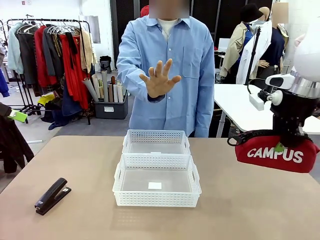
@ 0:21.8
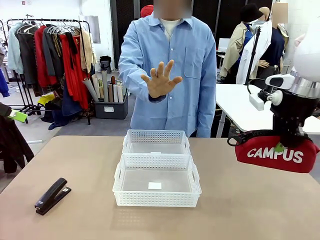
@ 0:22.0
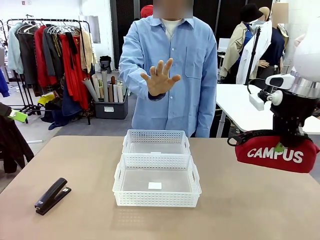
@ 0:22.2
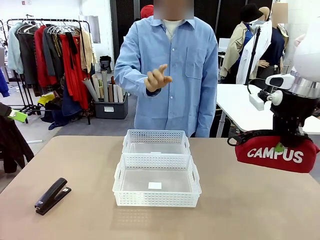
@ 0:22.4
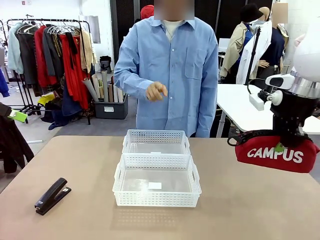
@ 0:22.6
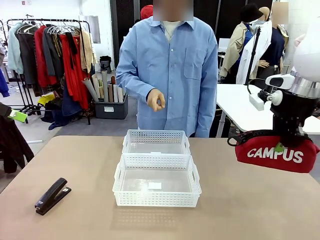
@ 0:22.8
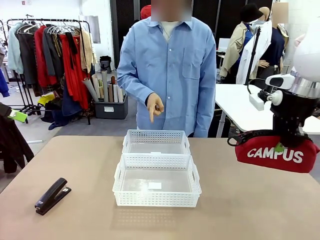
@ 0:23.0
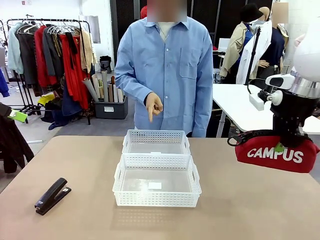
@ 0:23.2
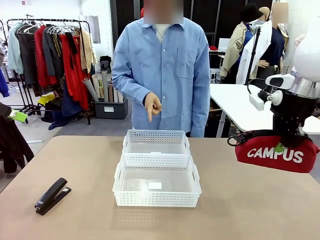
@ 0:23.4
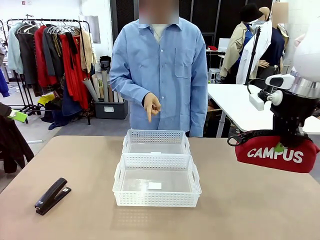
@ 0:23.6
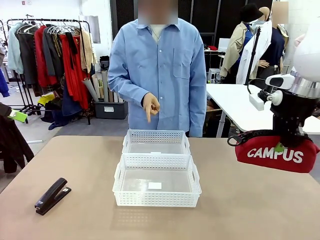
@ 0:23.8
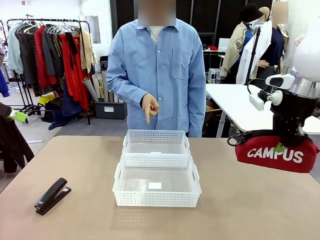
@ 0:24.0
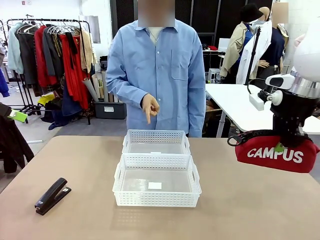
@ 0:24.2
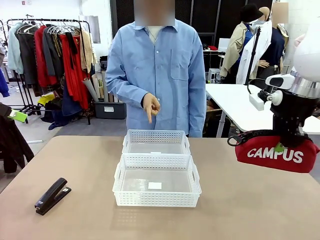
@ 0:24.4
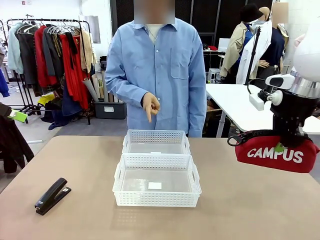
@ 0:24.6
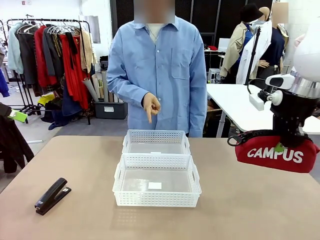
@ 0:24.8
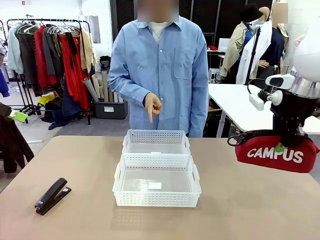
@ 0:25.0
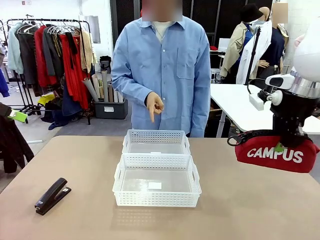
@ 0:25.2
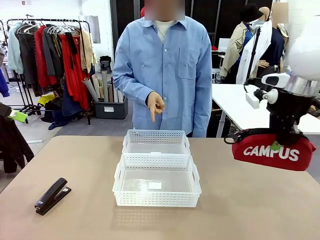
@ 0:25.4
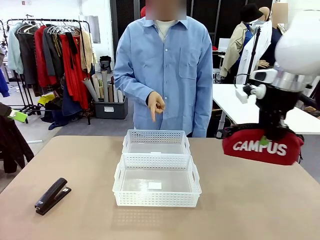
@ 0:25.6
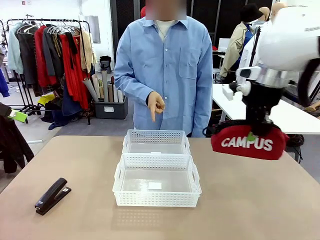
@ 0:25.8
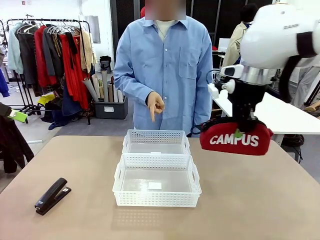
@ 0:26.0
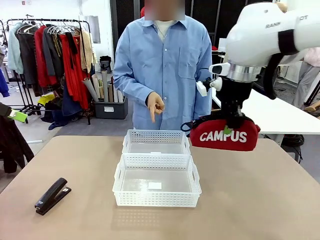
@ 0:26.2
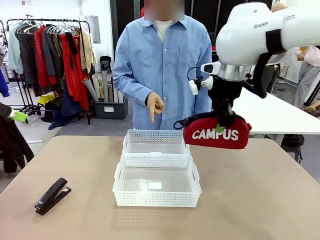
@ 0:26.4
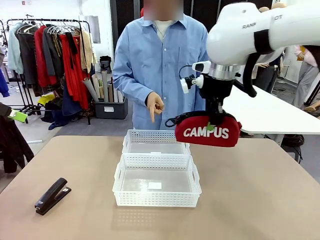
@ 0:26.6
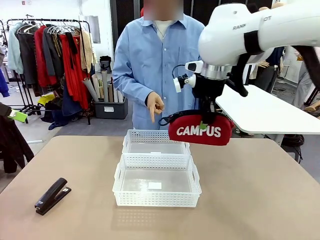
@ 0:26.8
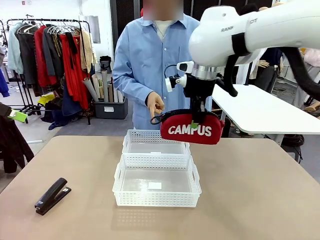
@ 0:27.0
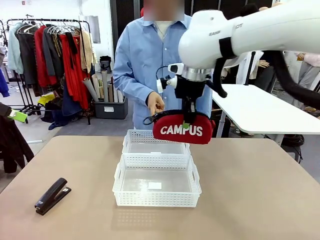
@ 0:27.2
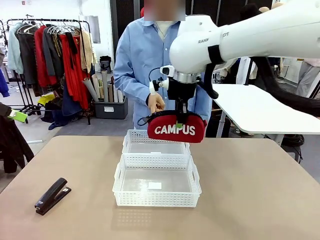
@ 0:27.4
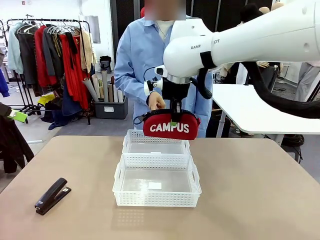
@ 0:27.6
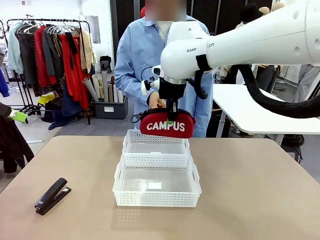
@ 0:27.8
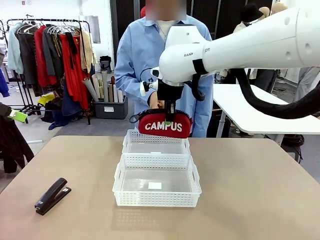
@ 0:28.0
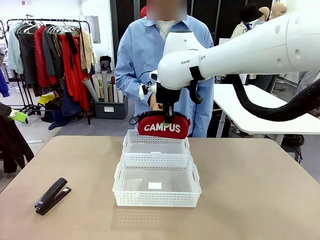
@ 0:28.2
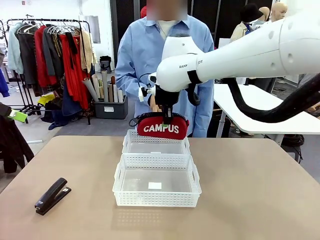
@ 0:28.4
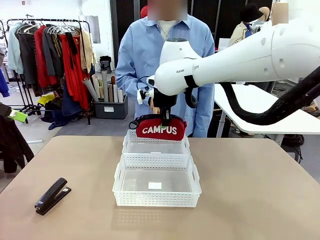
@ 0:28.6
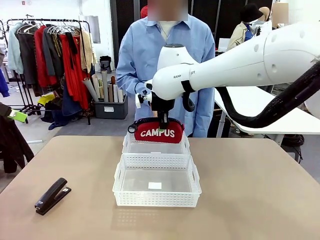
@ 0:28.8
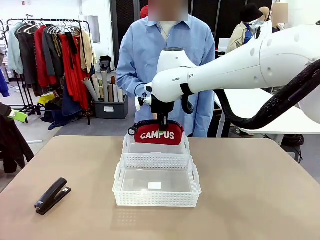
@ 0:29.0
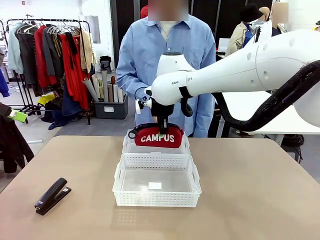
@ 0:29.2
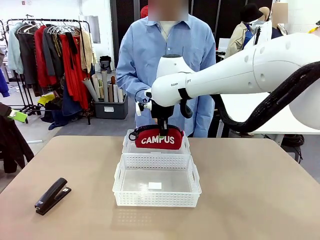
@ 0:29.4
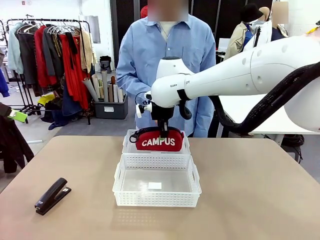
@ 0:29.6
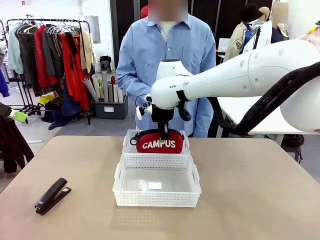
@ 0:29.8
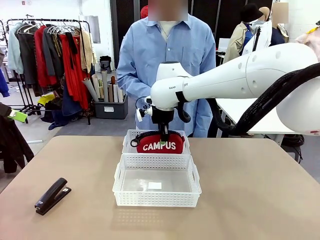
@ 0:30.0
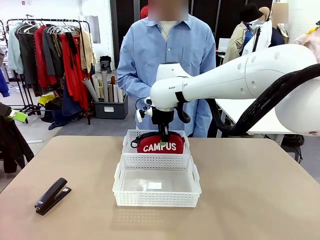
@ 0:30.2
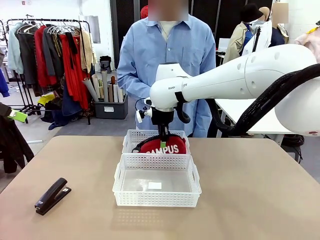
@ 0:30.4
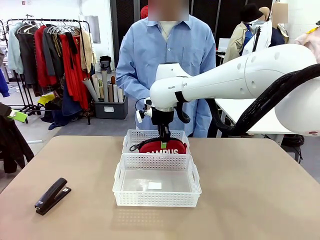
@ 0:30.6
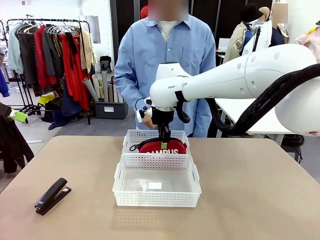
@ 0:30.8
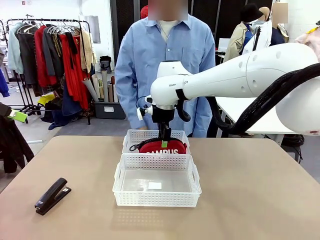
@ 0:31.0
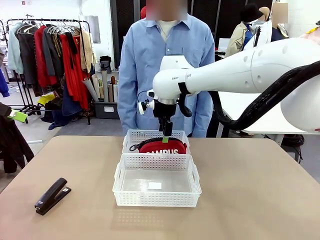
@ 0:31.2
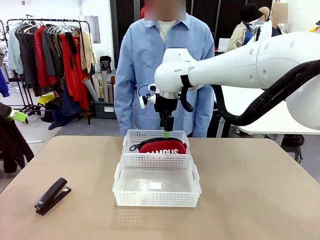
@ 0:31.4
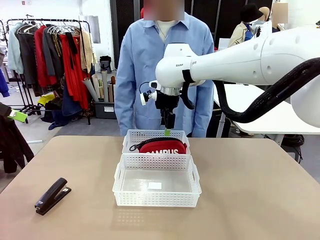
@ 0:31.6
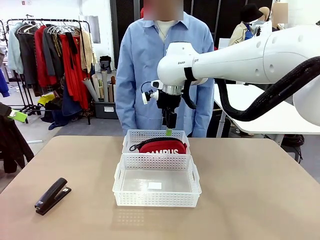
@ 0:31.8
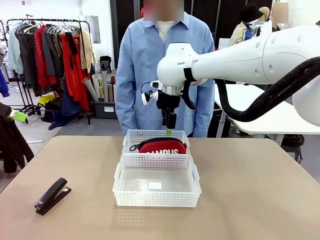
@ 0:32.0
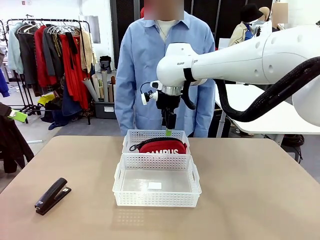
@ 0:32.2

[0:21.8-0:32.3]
Task: Distribute items into two baskets.
Robot: Place the picked Pencil pouch into the Organizing basket as instructed by the person.
Person: Instructs the robot to place the pencil case into the opposite basket. Points to the stapler.

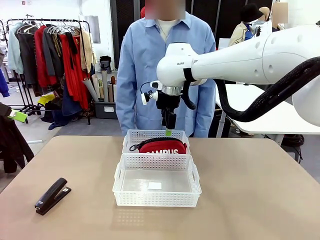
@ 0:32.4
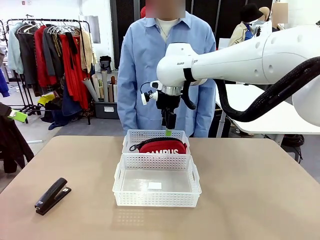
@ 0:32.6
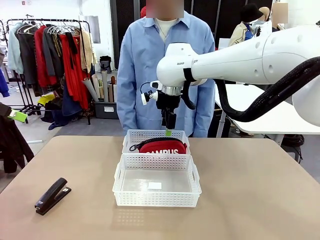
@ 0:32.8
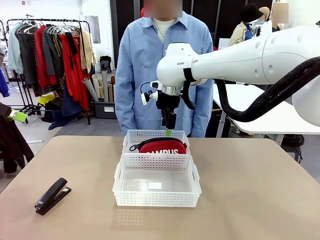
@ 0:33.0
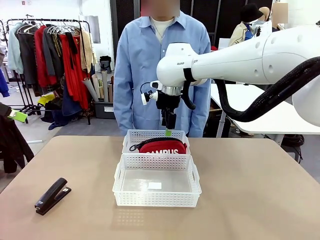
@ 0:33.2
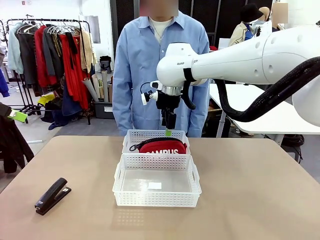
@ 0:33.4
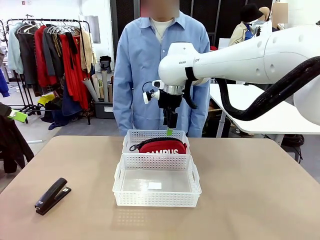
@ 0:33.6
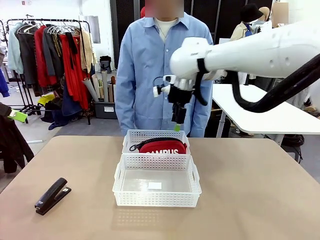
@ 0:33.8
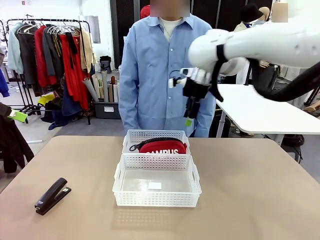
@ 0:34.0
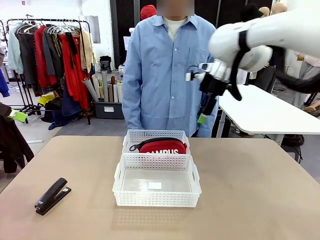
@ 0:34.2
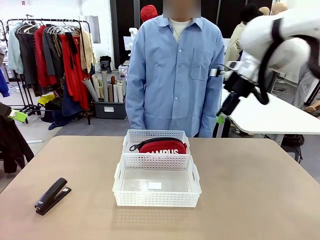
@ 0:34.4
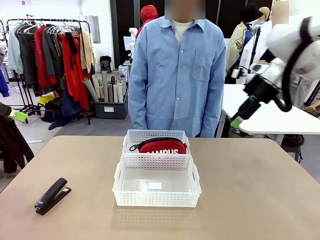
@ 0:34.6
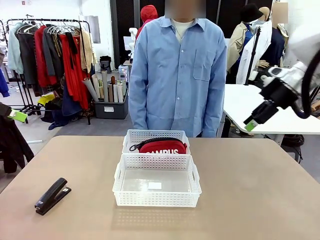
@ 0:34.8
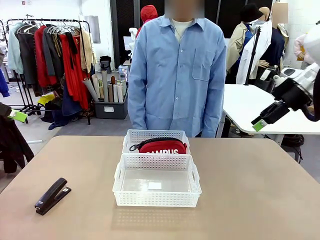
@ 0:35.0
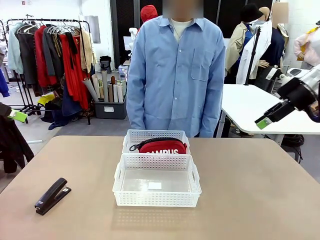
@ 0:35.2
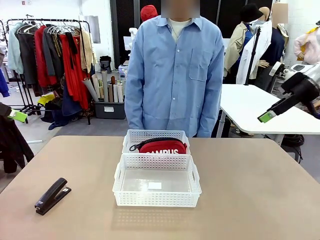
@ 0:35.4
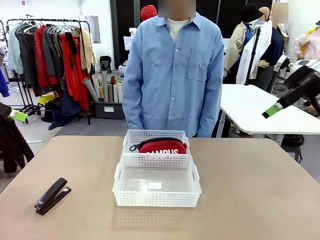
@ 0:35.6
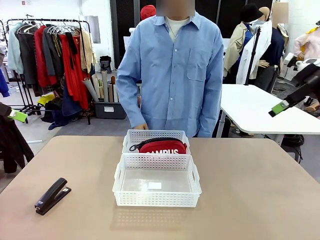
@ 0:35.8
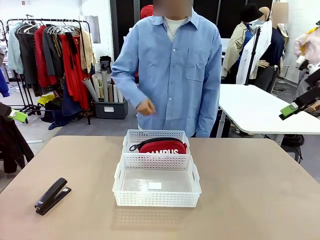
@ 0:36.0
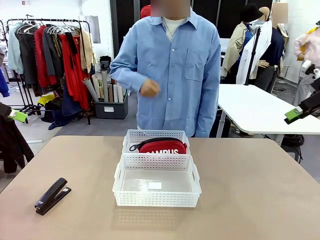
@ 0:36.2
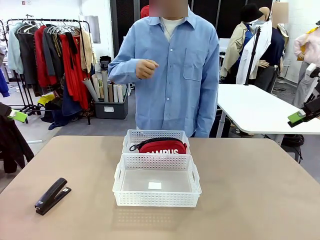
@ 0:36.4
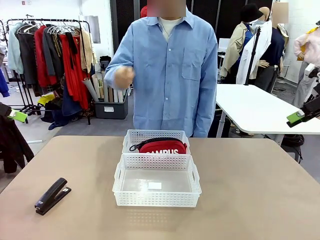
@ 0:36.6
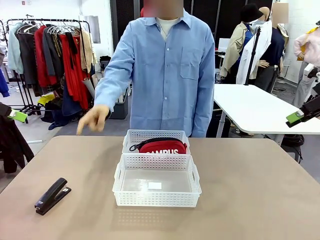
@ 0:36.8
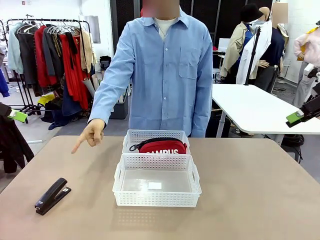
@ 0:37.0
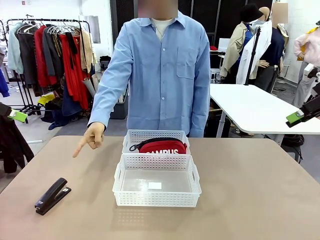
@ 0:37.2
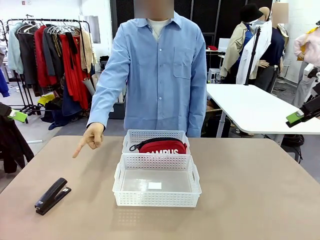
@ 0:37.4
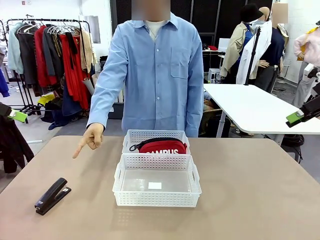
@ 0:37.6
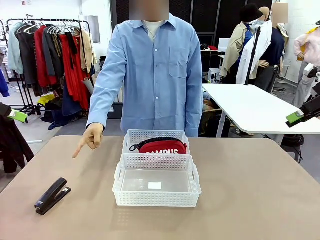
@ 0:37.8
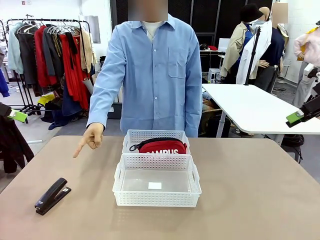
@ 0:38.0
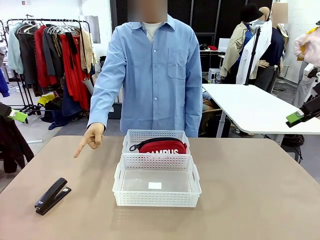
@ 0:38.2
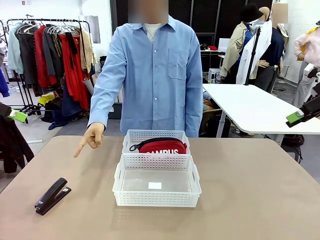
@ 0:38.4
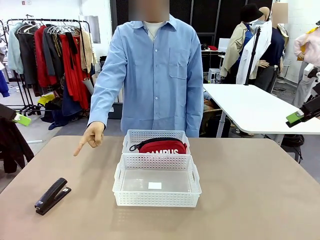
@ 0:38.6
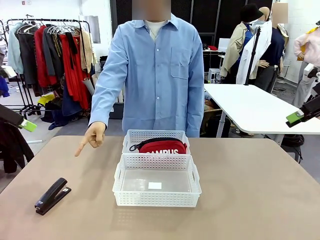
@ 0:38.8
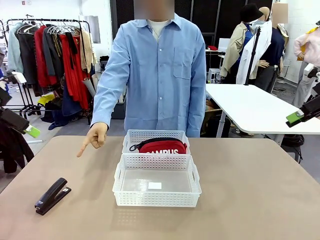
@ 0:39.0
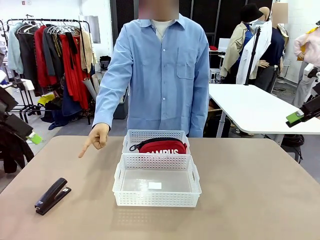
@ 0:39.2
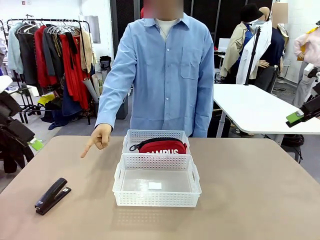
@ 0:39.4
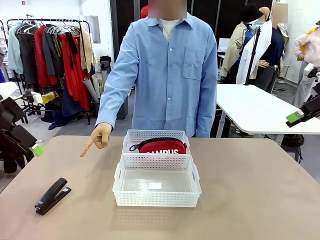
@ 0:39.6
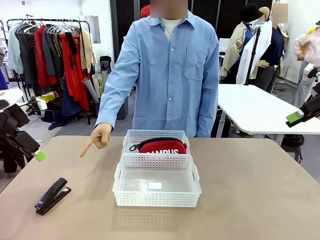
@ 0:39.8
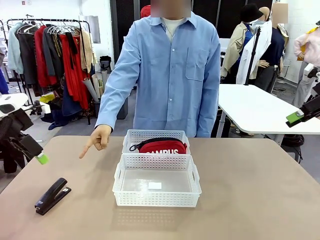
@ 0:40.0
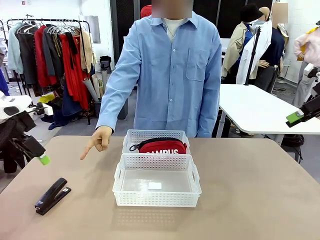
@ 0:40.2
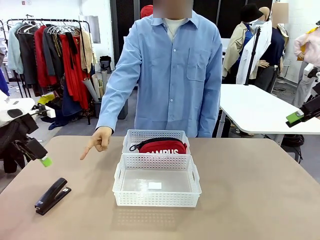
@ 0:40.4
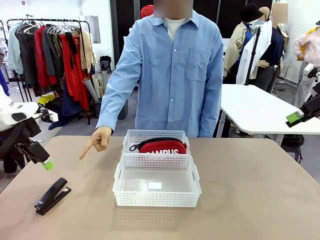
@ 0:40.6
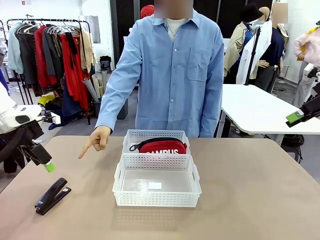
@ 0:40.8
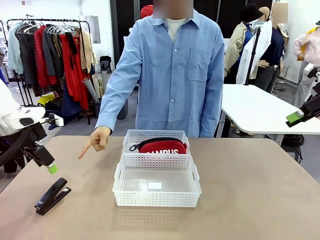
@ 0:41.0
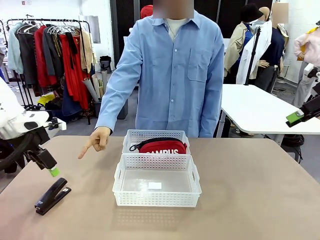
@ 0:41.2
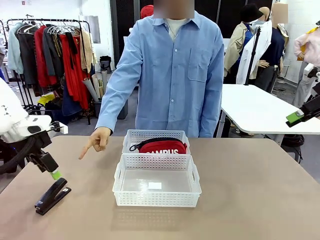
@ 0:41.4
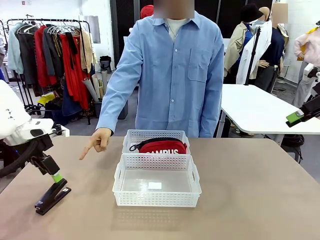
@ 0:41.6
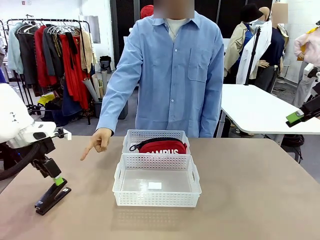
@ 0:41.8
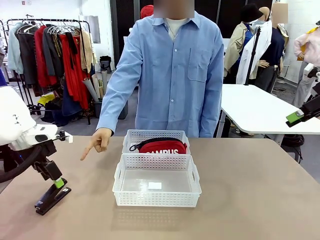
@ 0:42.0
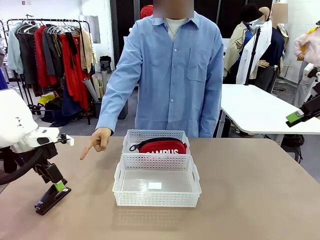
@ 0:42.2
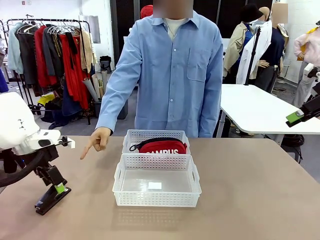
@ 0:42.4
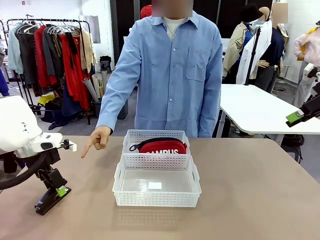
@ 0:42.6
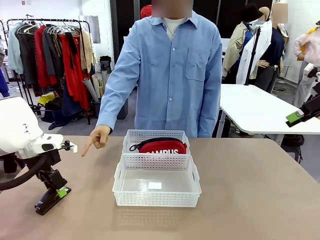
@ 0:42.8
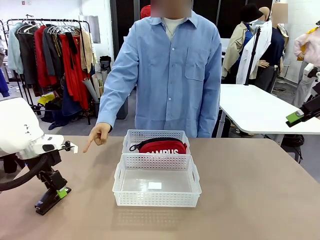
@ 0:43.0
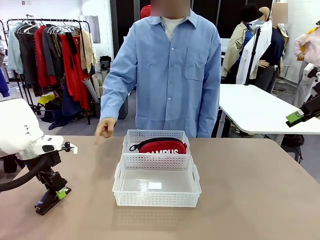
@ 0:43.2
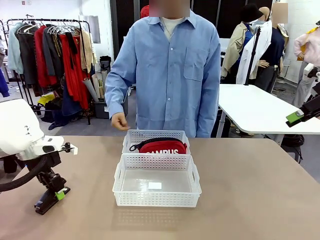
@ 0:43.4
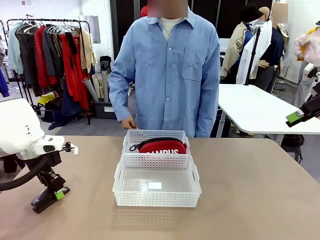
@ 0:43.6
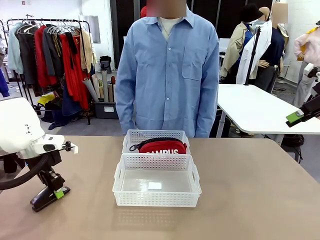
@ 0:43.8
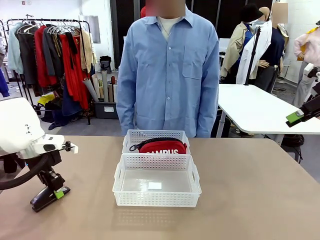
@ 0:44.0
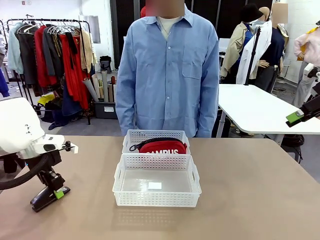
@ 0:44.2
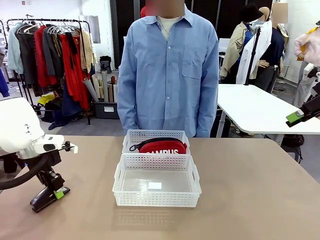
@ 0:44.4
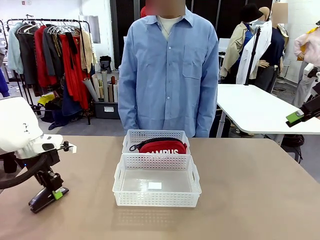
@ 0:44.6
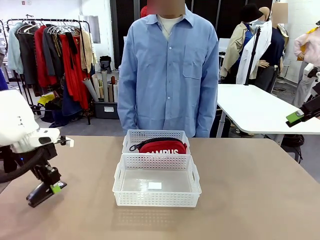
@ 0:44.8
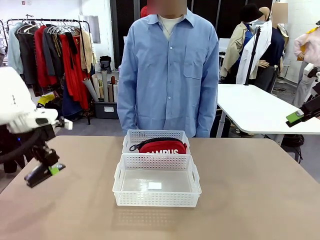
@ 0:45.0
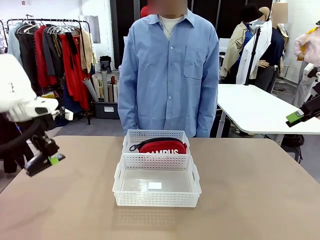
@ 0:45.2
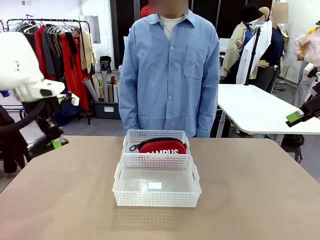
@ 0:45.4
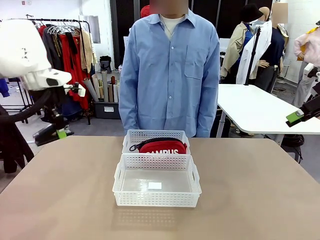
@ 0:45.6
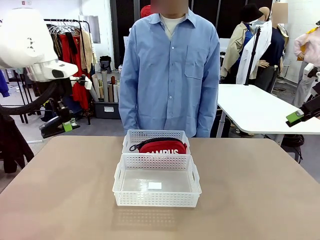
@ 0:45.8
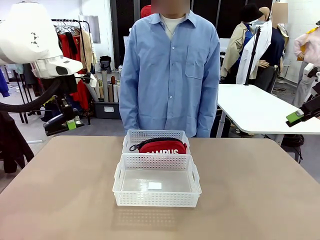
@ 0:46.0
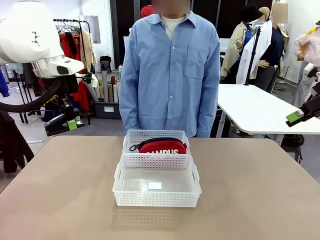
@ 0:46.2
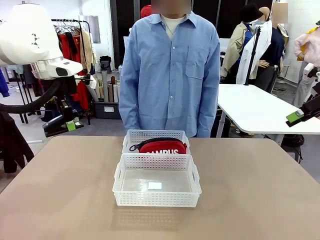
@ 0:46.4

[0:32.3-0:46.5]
Robot: Pick up the Stapler that the person points to.
